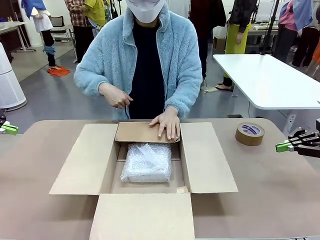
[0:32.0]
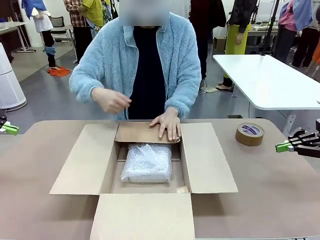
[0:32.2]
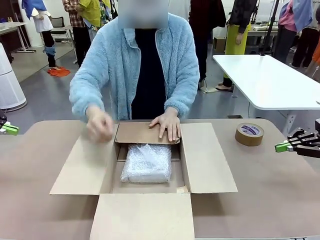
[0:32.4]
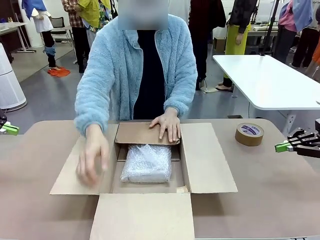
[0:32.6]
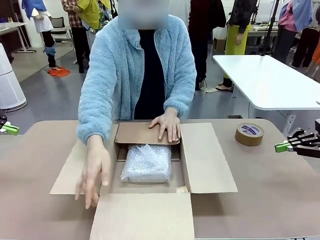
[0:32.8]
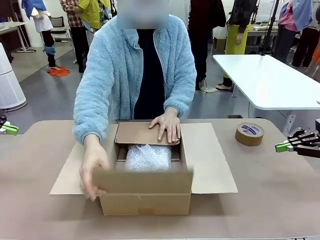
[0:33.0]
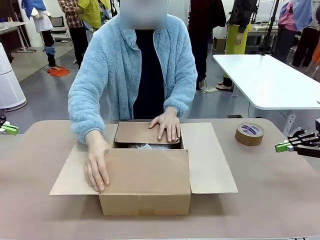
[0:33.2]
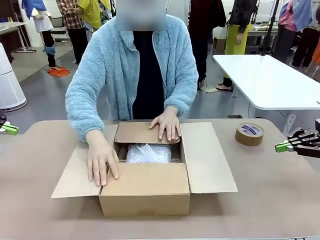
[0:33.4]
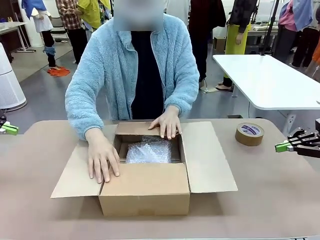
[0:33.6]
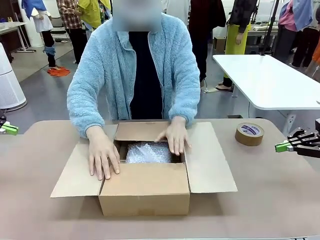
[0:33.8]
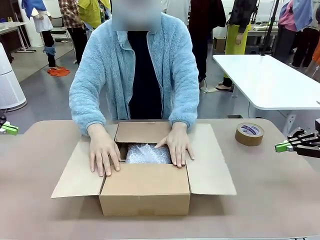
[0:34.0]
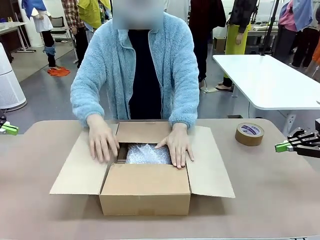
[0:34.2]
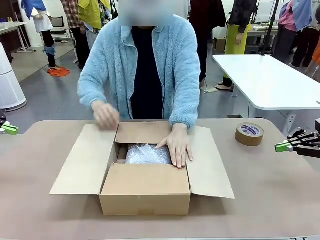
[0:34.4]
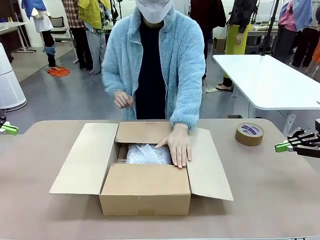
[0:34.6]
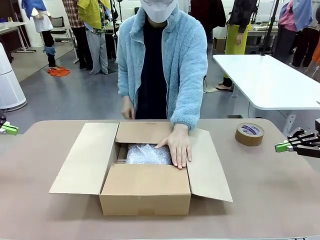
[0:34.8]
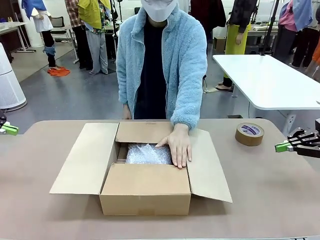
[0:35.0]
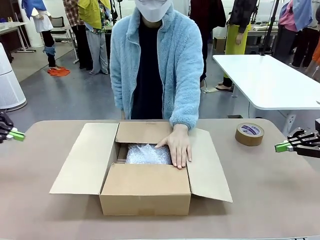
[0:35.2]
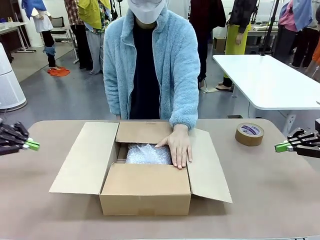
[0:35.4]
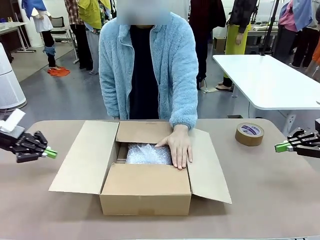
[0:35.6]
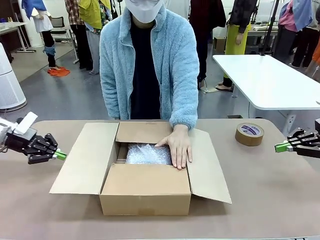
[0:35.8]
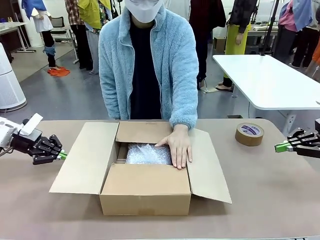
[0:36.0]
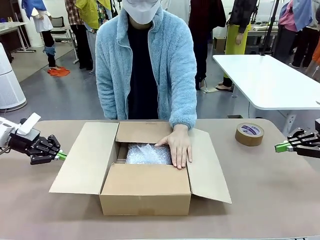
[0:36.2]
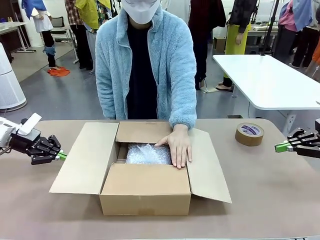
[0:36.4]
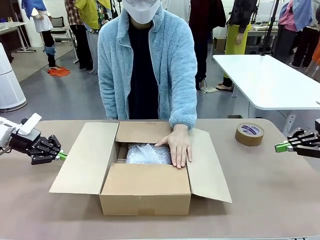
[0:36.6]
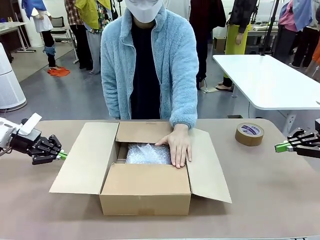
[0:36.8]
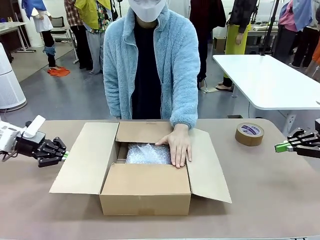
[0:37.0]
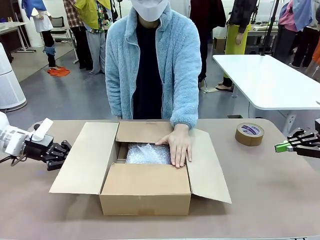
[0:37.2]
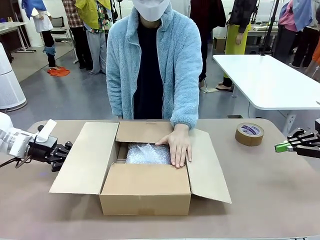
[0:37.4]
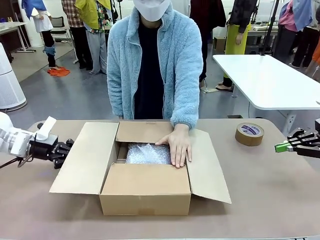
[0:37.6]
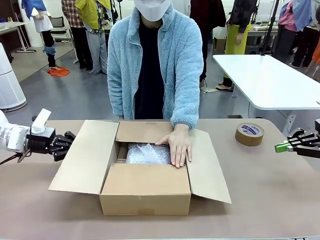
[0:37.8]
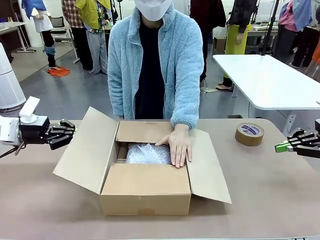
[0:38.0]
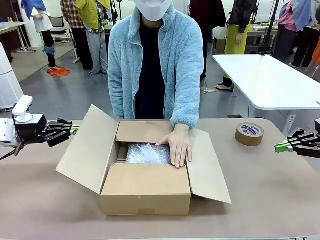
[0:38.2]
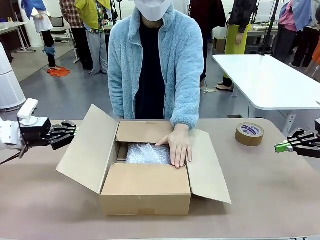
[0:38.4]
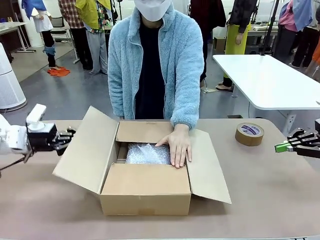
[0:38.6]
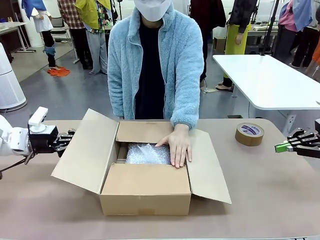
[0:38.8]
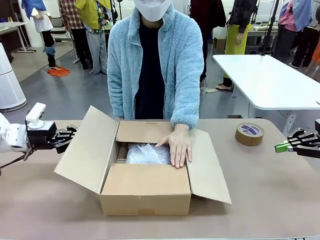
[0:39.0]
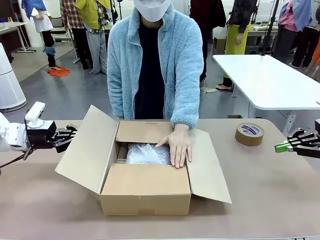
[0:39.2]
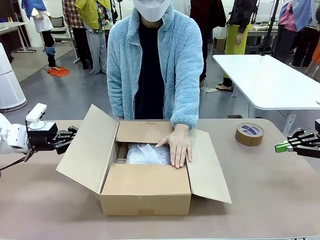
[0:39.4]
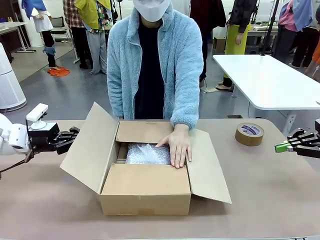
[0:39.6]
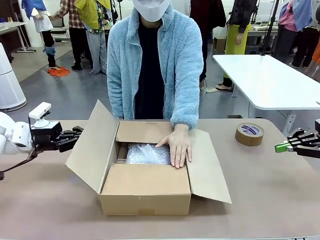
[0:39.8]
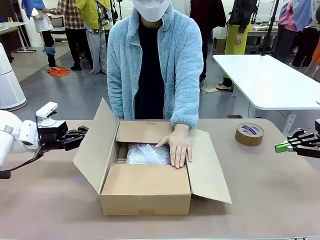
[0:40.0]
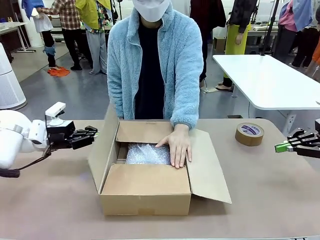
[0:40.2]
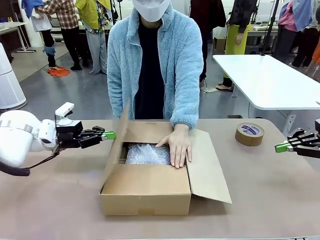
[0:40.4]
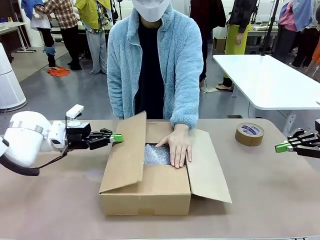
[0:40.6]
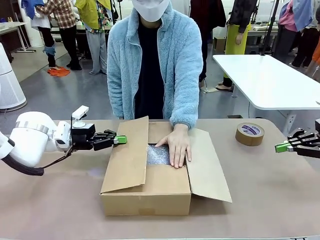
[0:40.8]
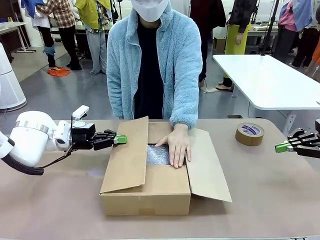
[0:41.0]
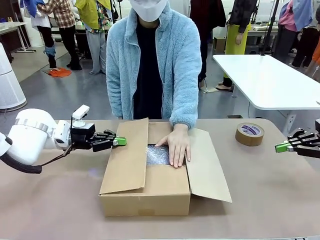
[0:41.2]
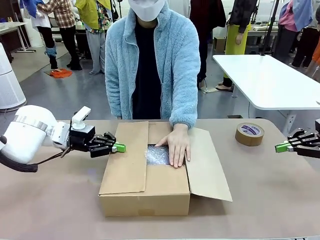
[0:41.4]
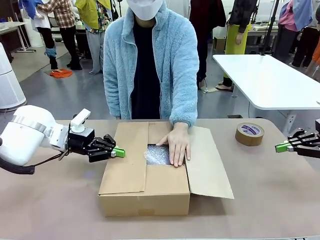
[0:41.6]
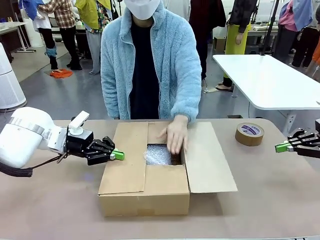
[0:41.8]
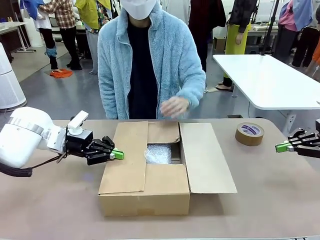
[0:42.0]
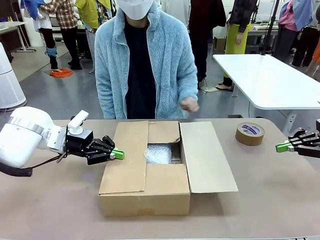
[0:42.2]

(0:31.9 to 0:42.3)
Task: Wrap the clocks to prevent damage.
Robot: Push the right (or left) flap of the Package Box to close it.
Person: Once the robot closes the right flap of the Package Box , release your left hand from the box.

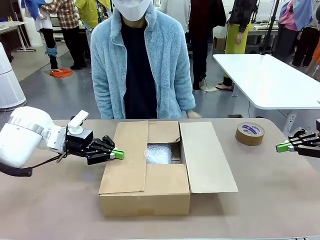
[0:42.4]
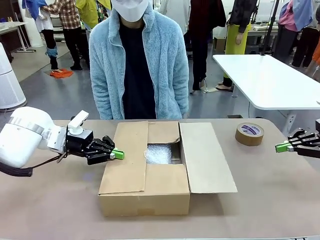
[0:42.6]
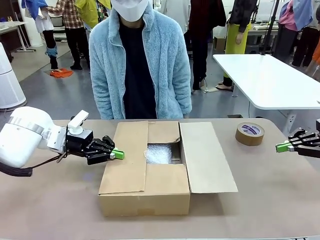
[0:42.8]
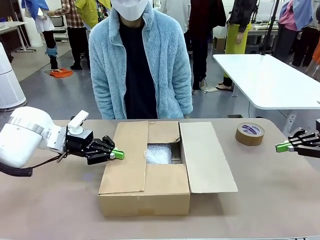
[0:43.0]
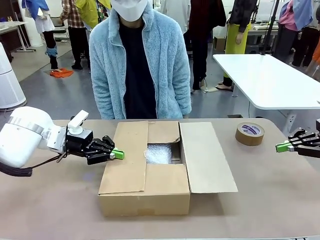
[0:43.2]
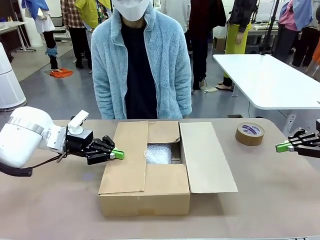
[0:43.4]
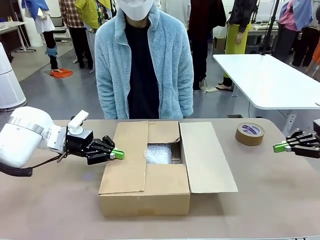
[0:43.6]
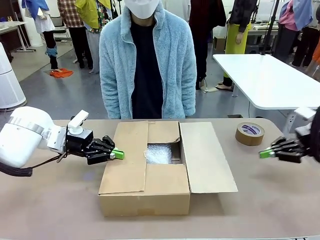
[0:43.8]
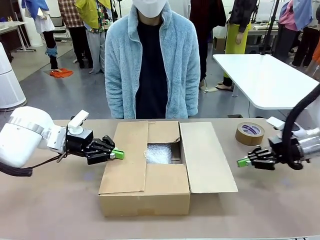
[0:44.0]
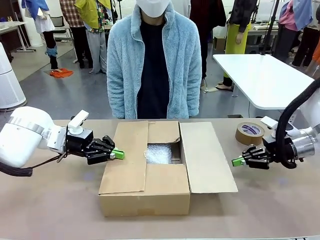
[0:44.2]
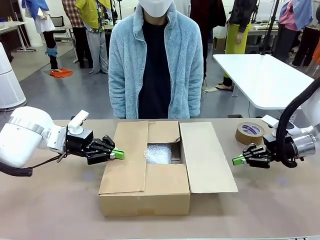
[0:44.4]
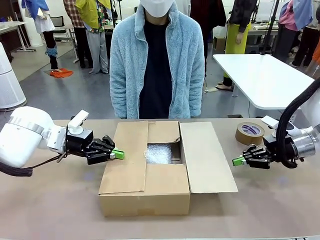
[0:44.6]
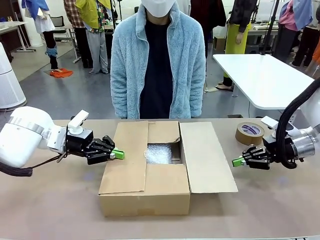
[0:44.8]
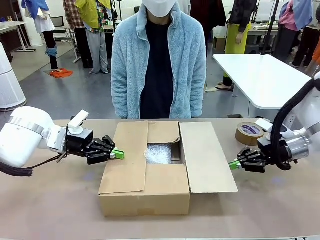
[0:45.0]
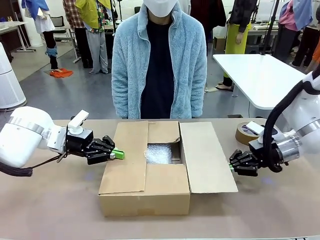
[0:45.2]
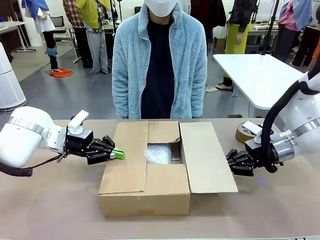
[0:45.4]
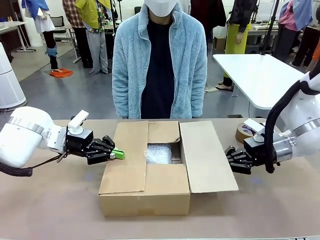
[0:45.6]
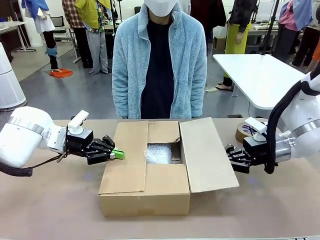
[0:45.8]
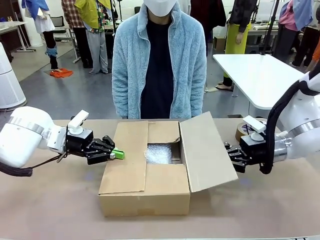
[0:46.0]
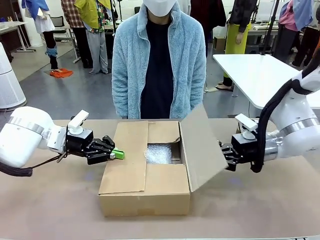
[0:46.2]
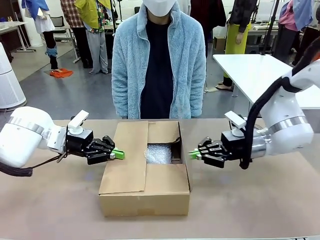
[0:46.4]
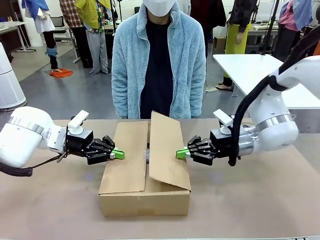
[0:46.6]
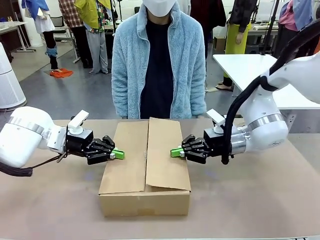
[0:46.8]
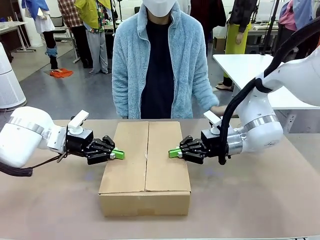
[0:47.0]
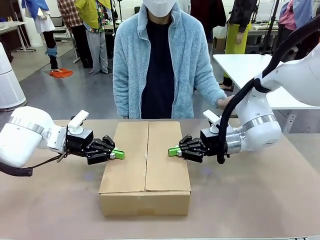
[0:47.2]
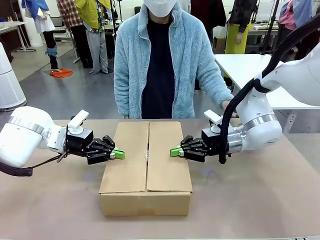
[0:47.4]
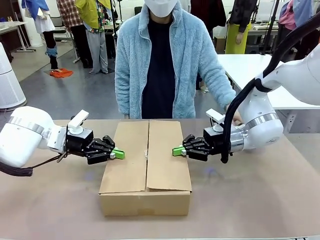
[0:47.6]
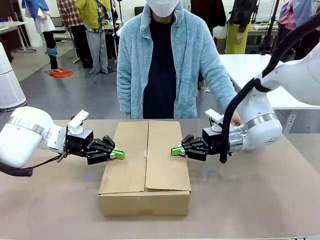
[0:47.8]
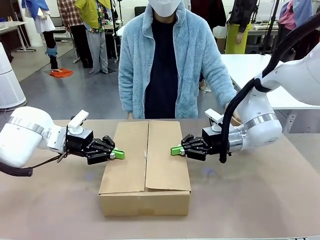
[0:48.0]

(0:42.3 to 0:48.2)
Robot: Push the left (or right) flap of the Package Box to close it.
